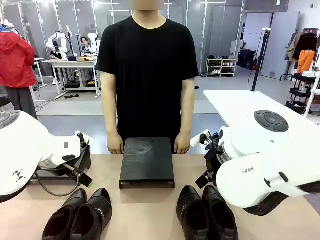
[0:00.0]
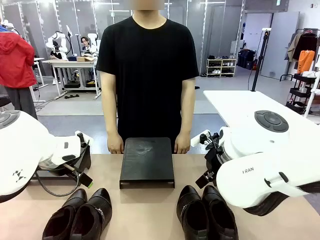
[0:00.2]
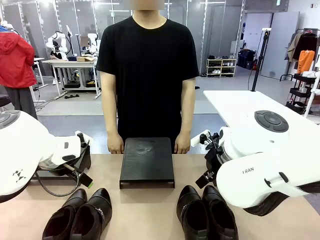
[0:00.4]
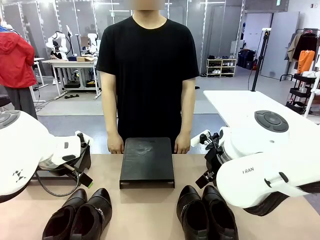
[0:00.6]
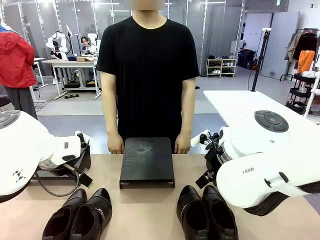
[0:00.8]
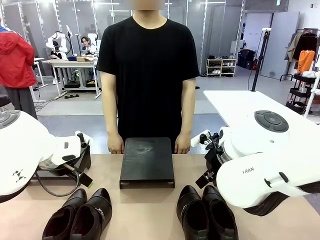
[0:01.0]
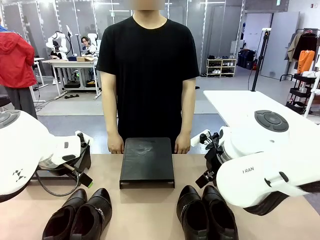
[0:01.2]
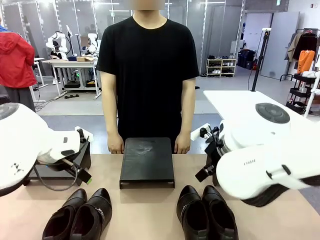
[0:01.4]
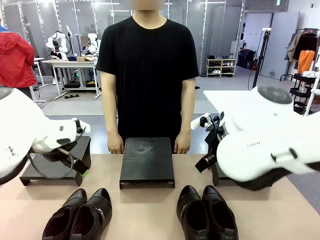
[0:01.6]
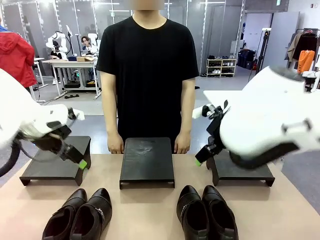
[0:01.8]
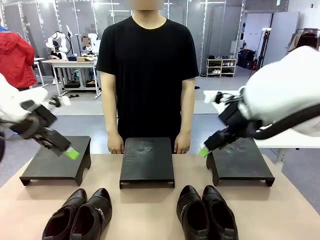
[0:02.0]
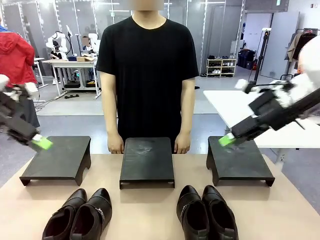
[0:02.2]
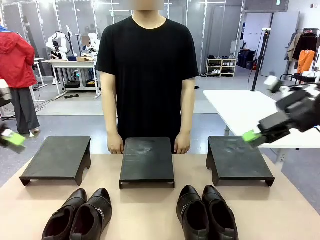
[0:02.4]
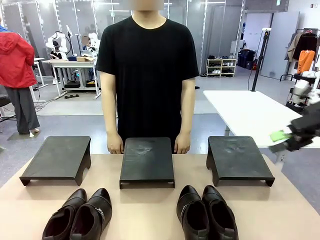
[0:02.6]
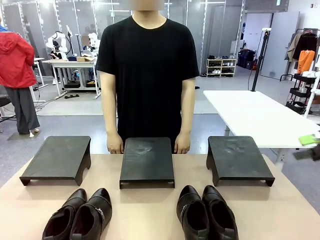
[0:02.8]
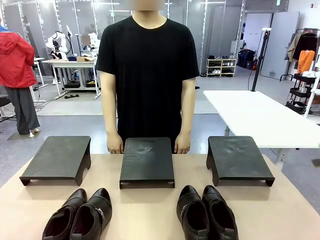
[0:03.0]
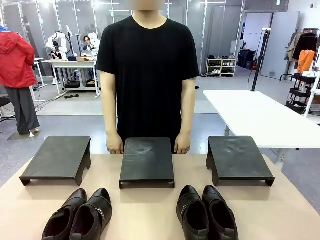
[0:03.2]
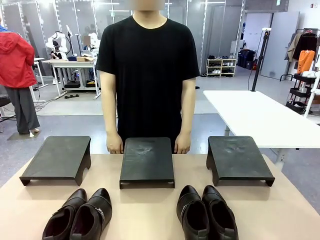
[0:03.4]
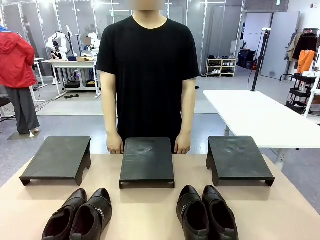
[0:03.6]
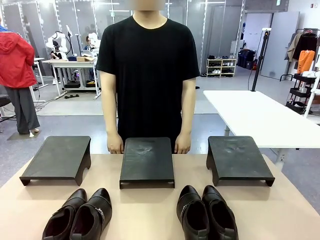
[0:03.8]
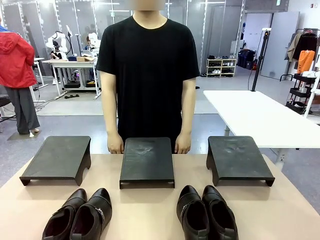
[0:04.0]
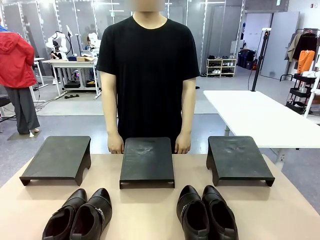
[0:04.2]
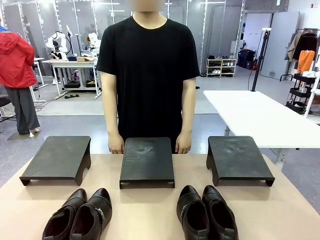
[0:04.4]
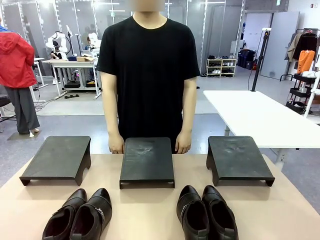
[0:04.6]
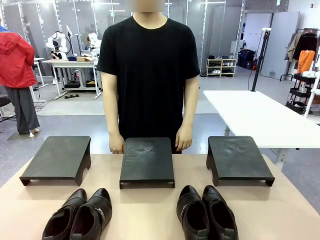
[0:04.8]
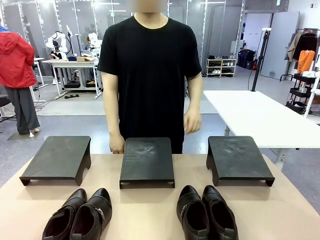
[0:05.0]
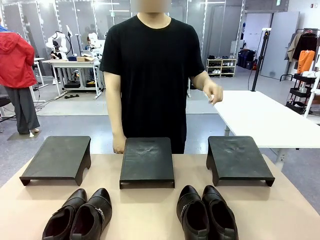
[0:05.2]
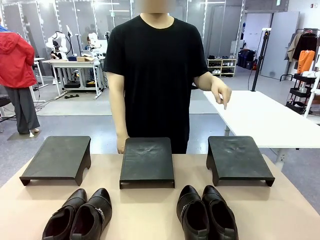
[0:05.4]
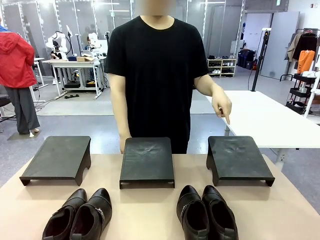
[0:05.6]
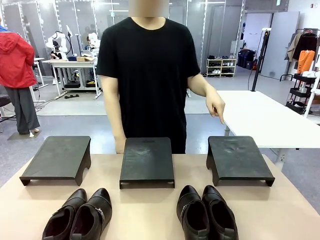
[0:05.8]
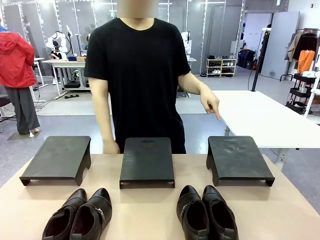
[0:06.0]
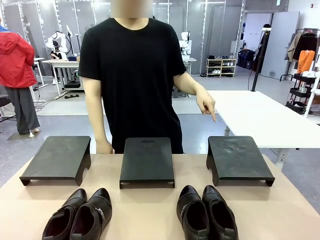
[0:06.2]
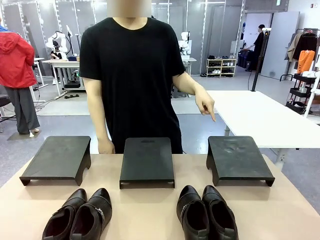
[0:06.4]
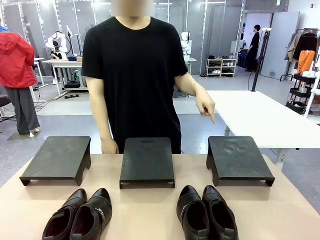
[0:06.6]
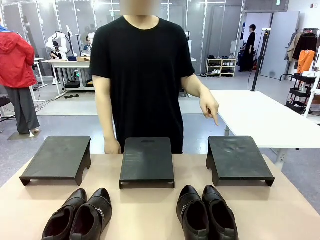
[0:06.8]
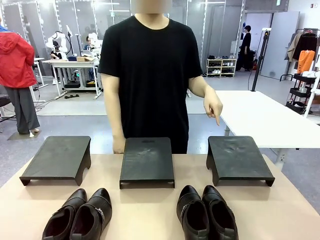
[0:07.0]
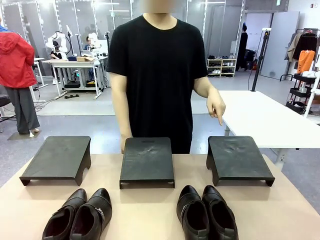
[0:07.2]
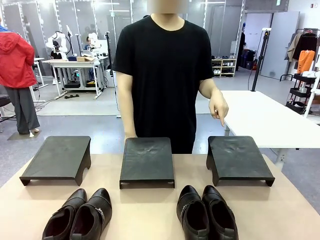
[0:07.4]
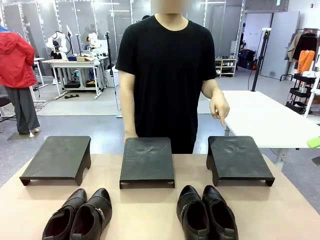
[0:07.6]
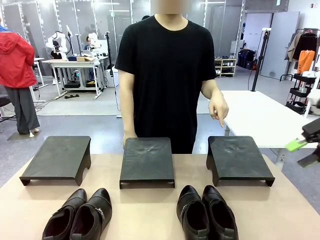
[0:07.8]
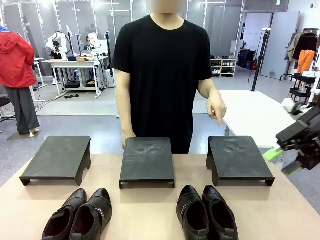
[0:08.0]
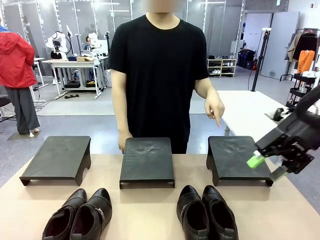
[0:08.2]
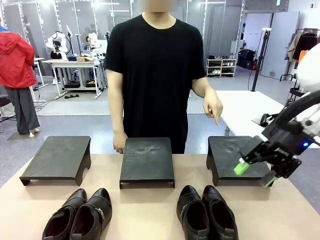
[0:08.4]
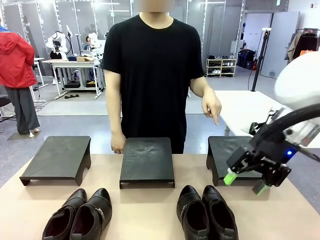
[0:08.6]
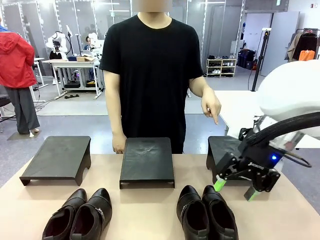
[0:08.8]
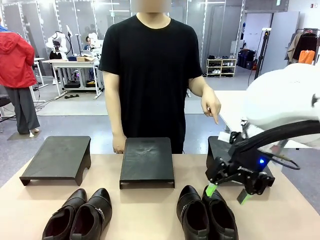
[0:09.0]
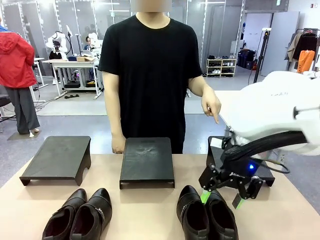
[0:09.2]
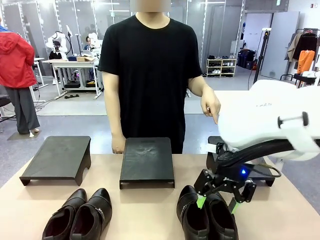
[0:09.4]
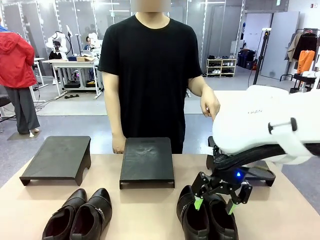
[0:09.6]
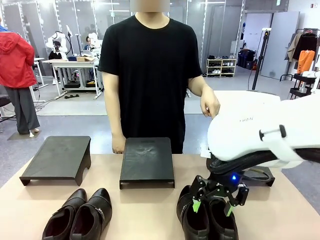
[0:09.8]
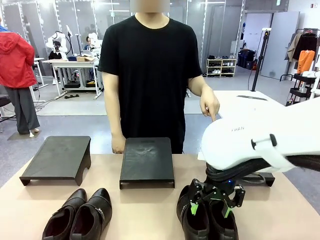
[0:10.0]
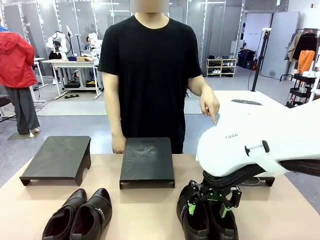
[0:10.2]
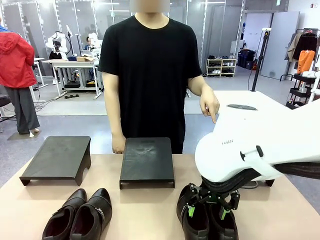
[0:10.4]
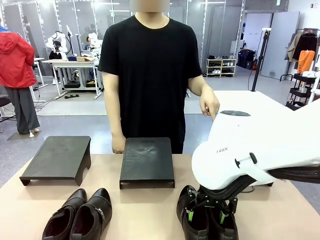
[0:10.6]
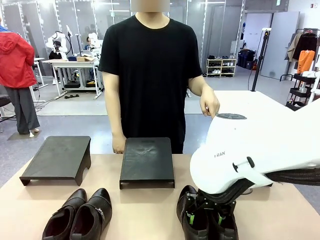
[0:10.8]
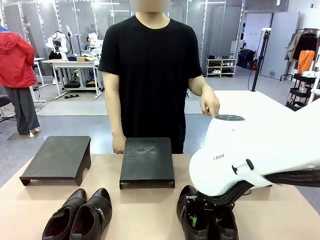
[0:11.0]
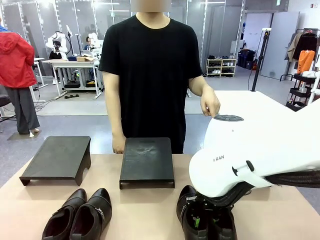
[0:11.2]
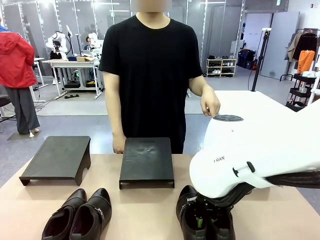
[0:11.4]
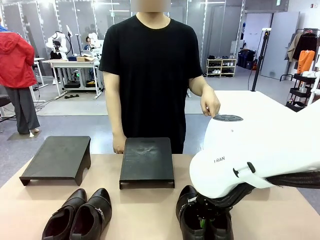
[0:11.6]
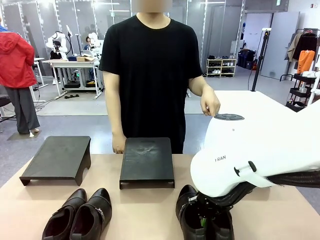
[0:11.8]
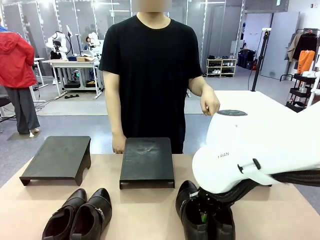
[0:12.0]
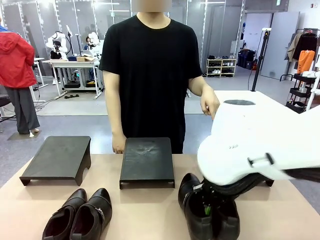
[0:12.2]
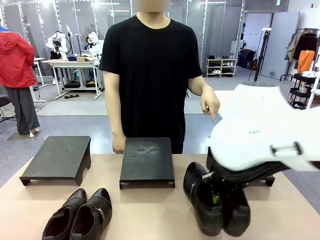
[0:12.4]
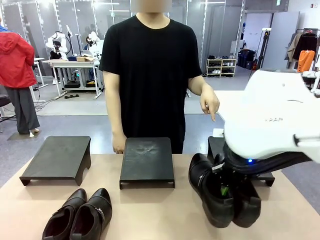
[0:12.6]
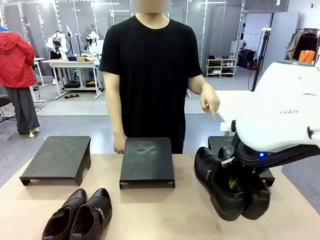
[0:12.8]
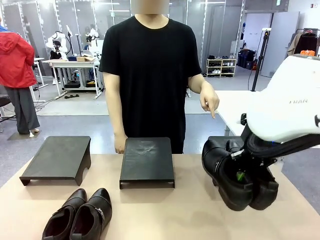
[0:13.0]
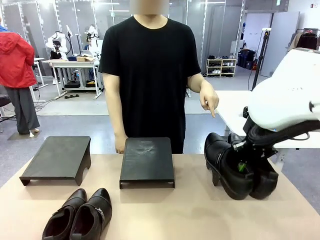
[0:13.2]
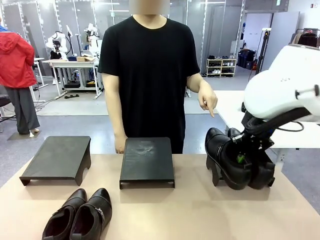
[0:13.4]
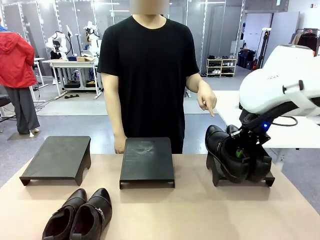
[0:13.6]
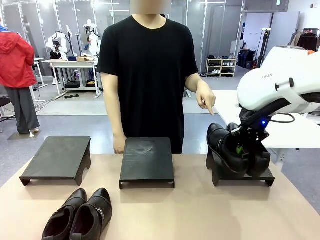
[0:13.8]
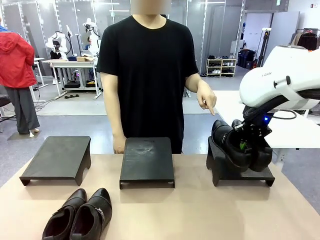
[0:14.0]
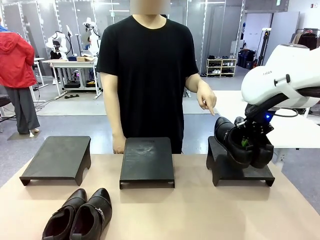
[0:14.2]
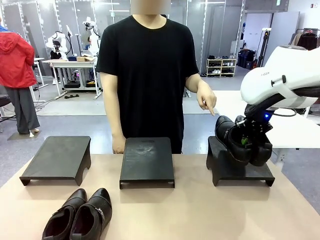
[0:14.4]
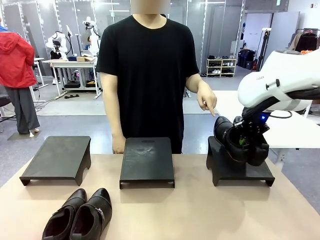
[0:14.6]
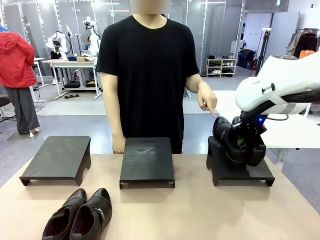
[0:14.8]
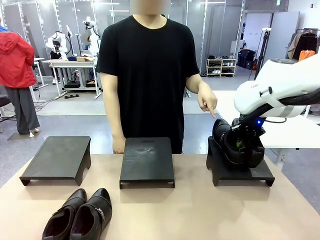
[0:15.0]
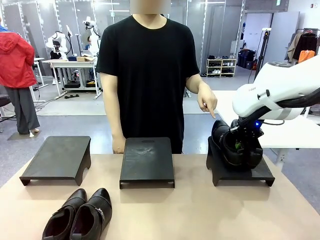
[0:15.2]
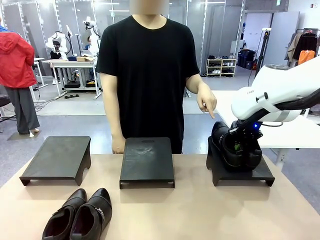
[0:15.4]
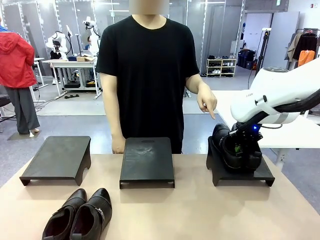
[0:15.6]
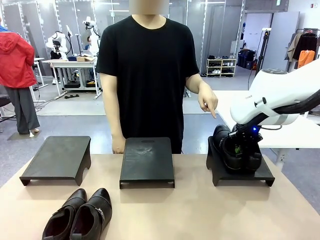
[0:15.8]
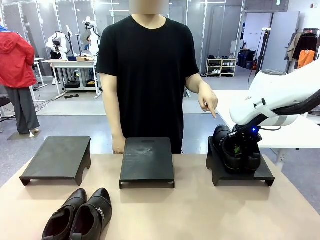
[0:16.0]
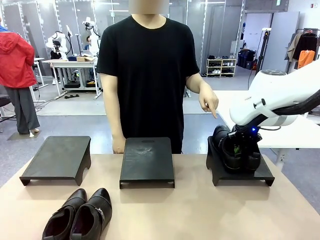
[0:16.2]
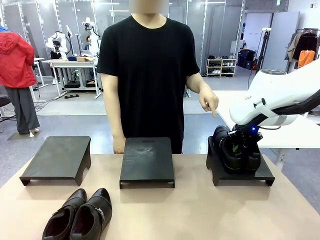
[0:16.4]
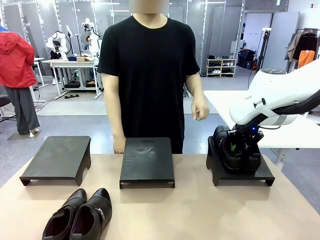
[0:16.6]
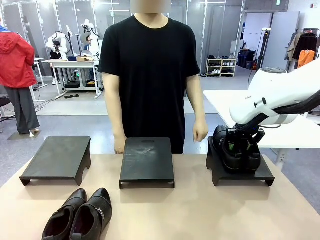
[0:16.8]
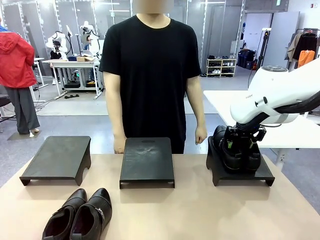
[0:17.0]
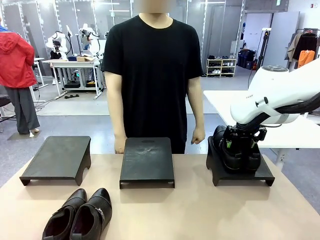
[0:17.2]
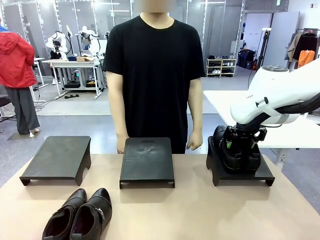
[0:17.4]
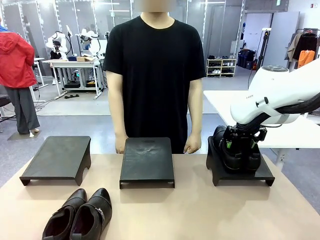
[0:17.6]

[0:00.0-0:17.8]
Task: Place the shoes on the stand as instructed by the person.
Robot: Pick up one pair of Shoes and place it on the Shoes Stand indicated by the person.
